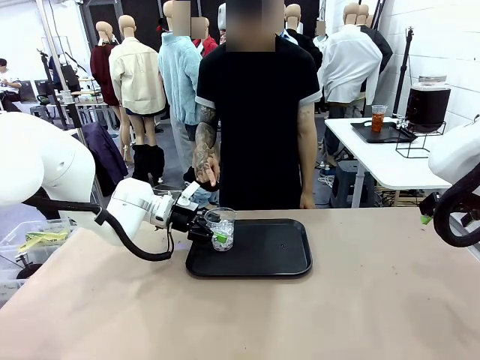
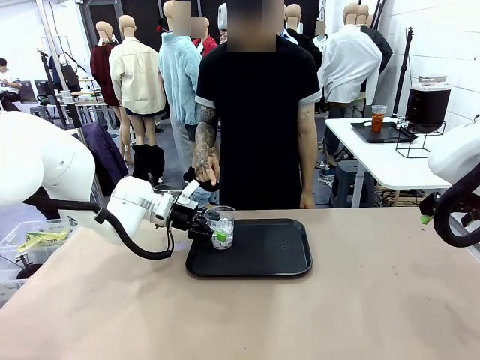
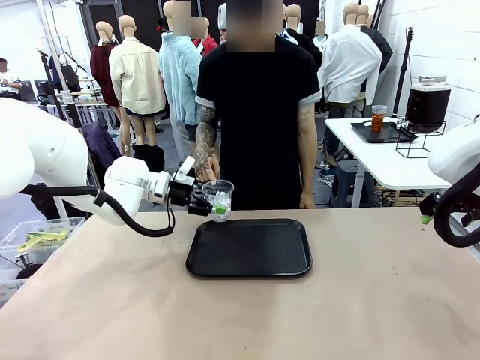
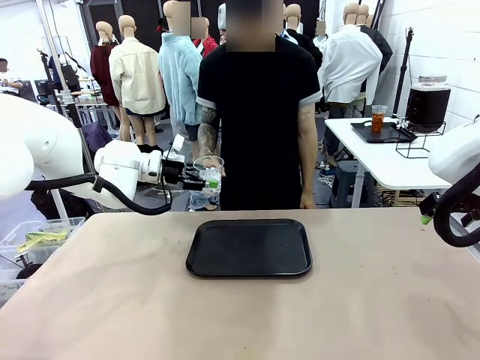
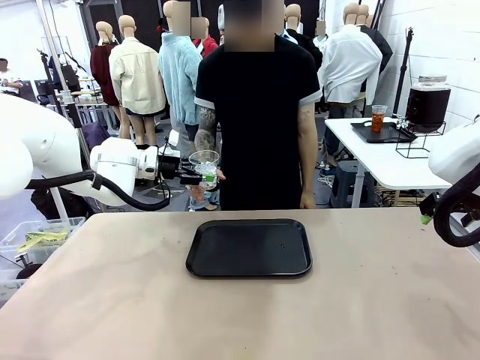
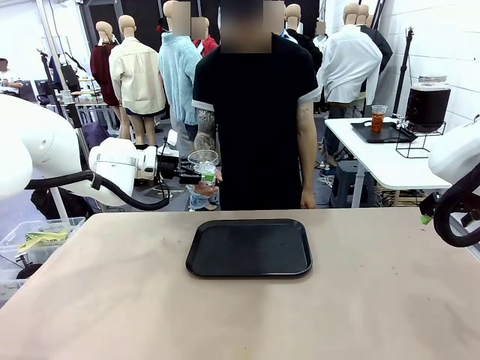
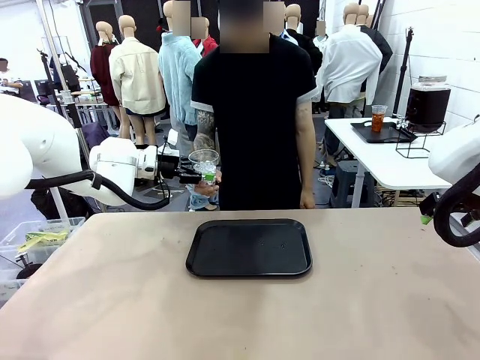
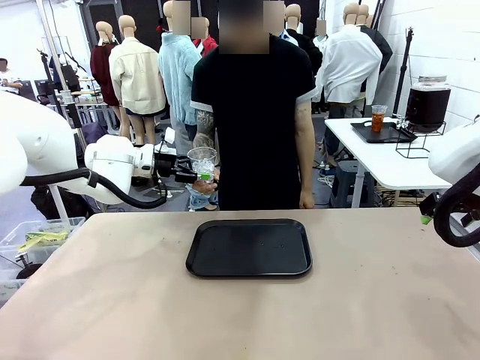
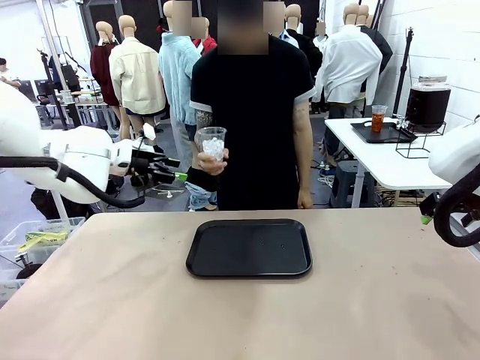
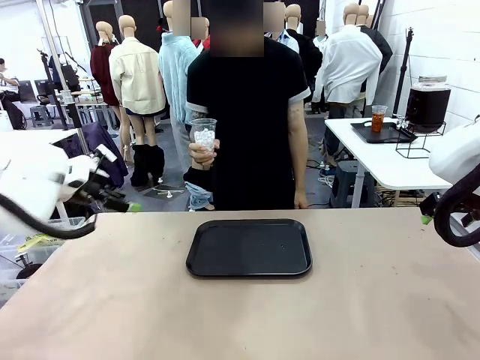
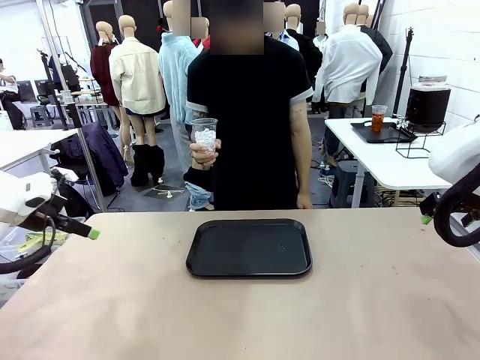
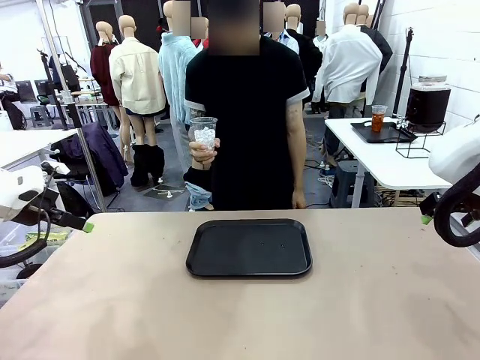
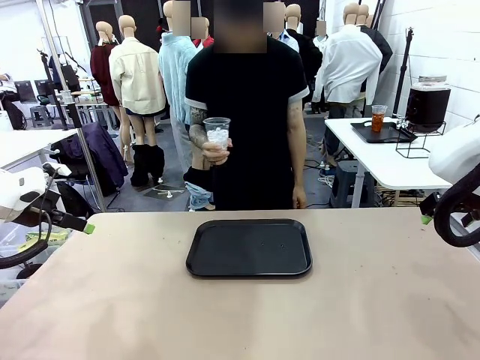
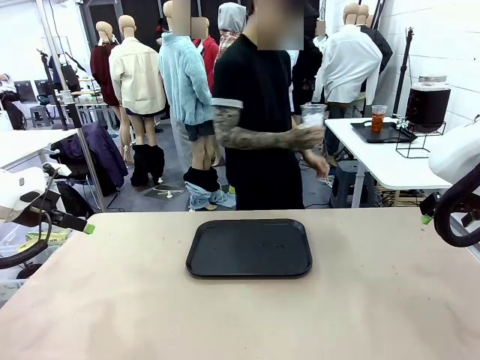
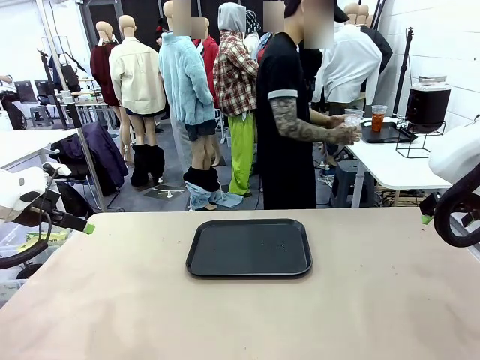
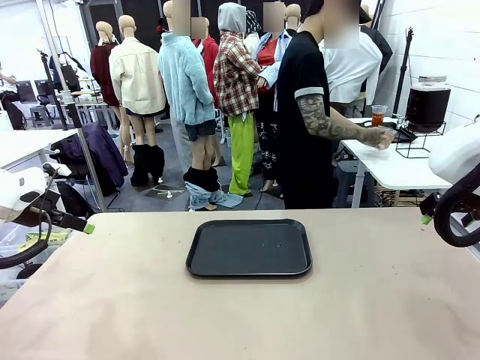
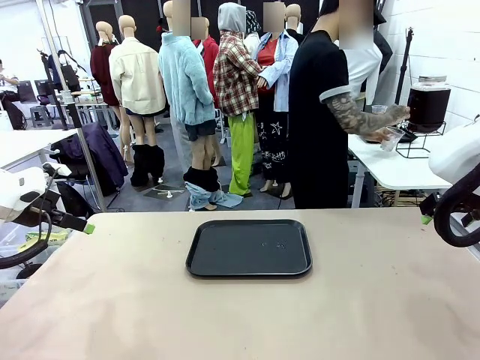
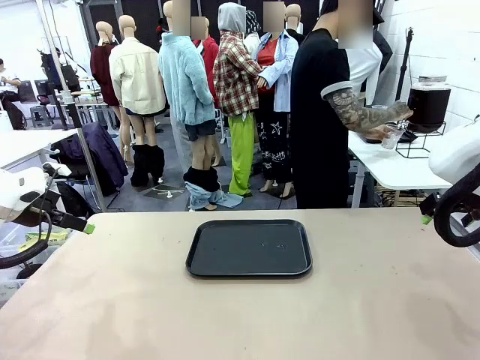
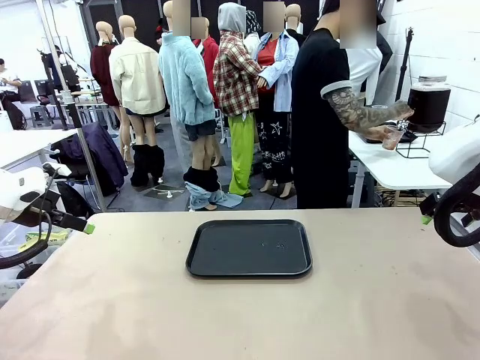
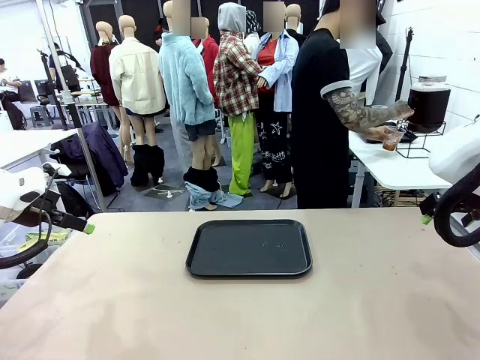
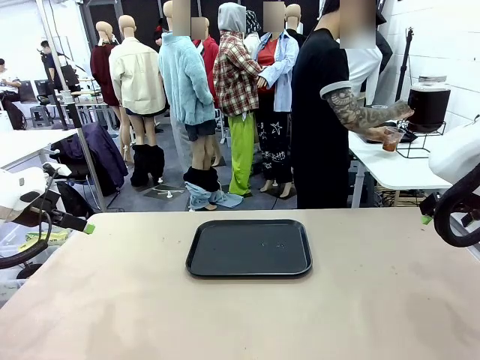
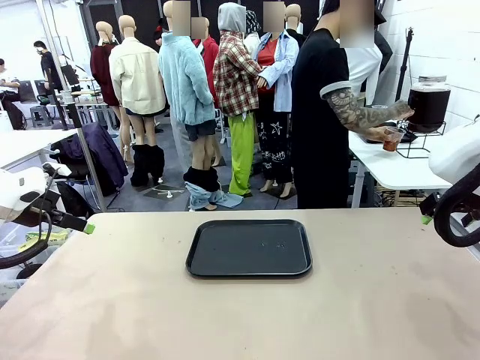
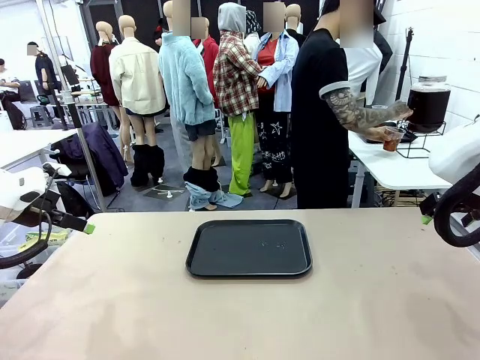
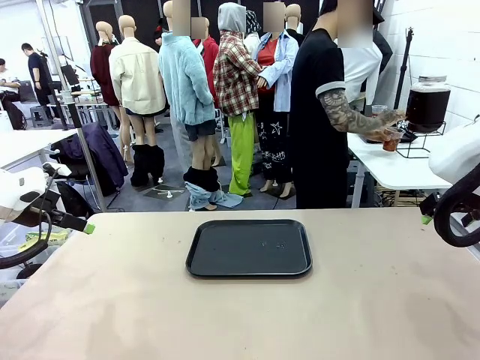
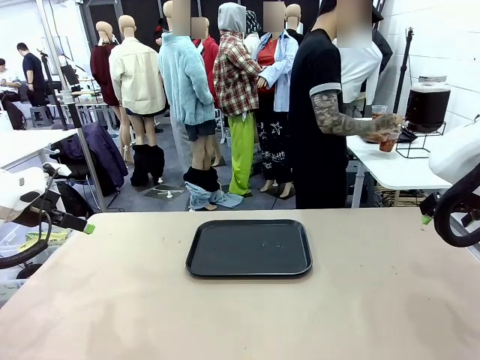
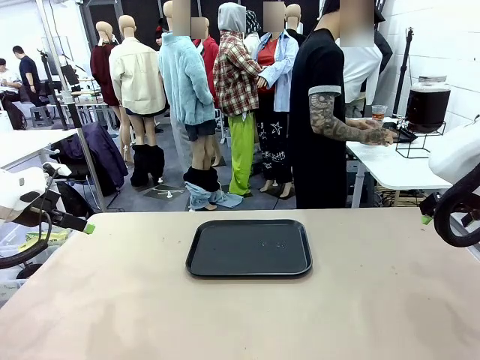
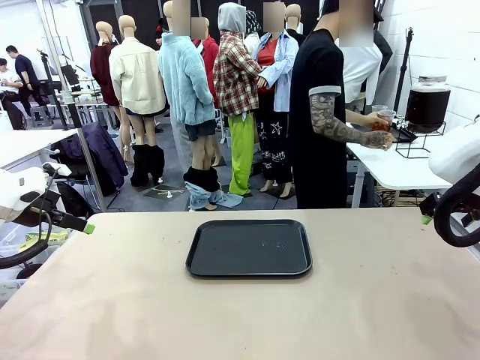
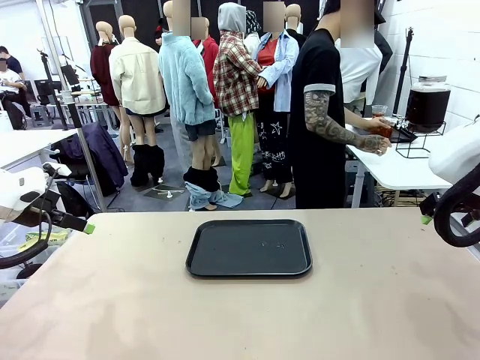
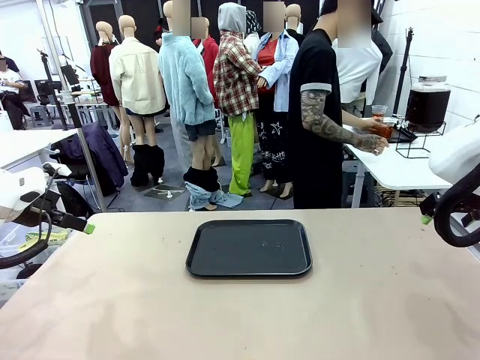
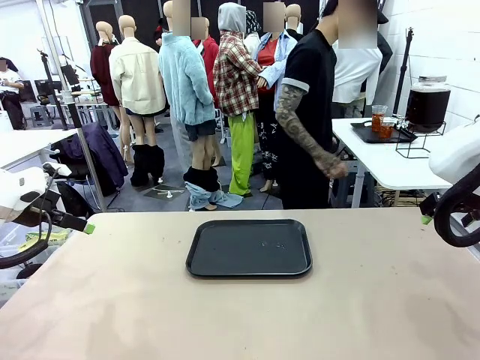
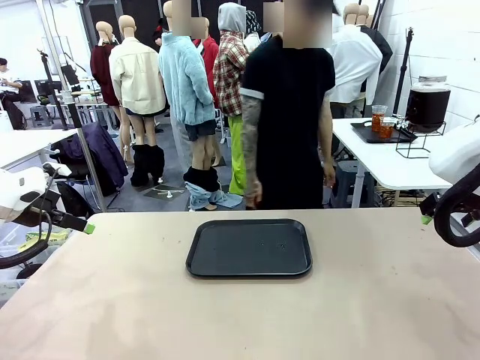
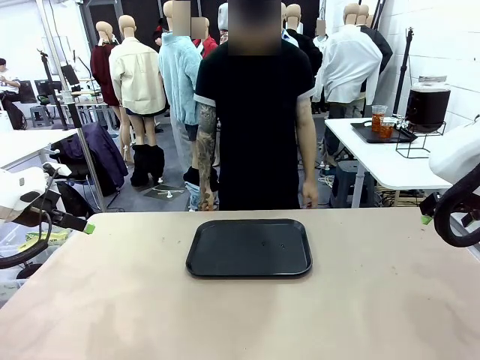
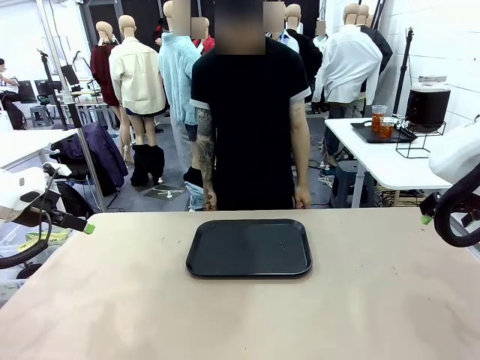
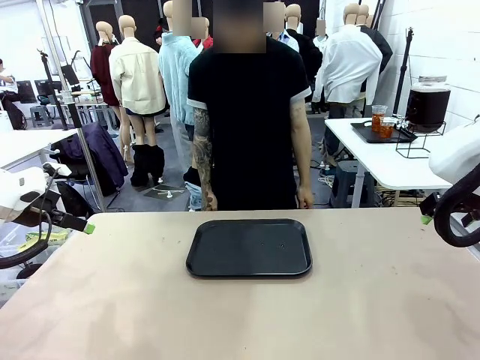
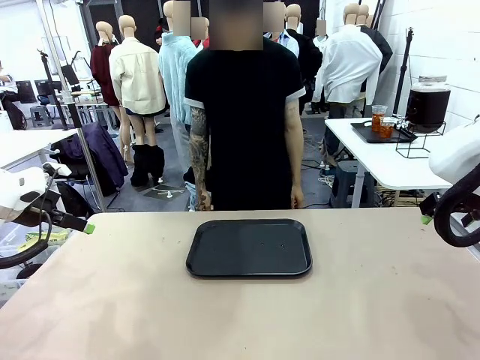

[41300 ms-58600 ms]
Task: Pour the drink into the iced cup.
Robot: Open the gripper to release the iced cup you were holding.
Person: Move the picked-up cup under the dispenser faucet, pour the drink, and place it on the tray on the human table.
